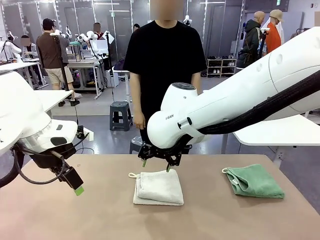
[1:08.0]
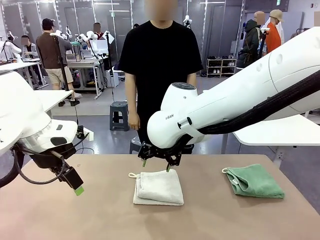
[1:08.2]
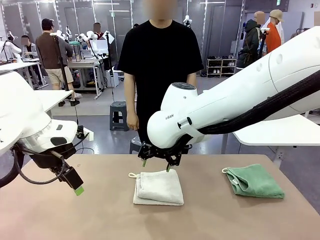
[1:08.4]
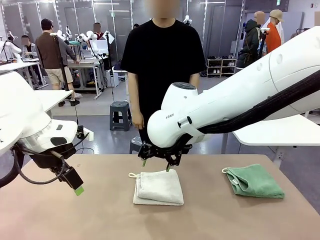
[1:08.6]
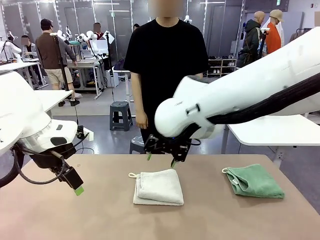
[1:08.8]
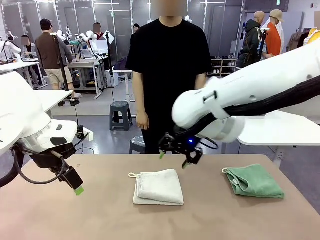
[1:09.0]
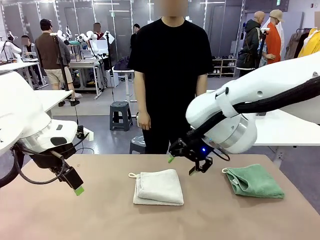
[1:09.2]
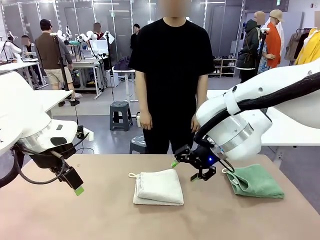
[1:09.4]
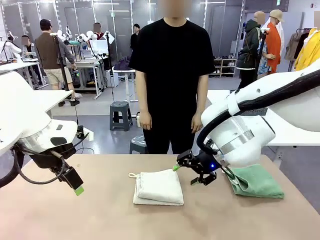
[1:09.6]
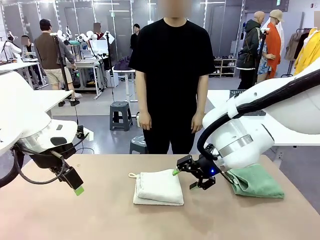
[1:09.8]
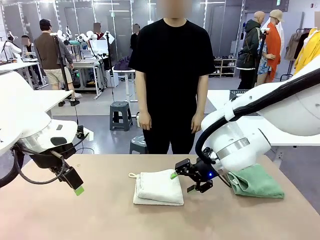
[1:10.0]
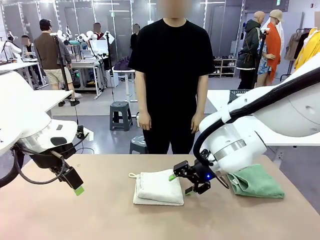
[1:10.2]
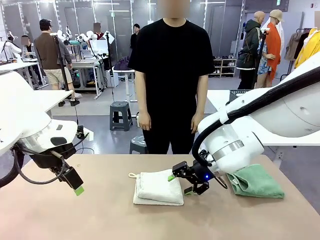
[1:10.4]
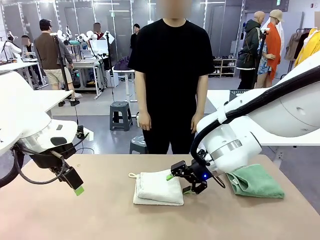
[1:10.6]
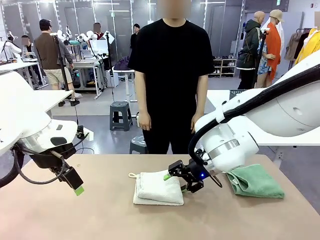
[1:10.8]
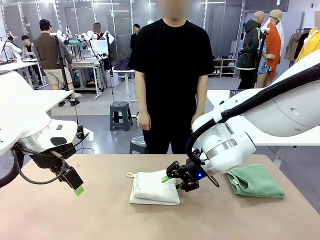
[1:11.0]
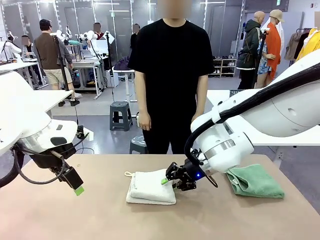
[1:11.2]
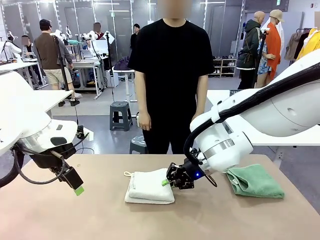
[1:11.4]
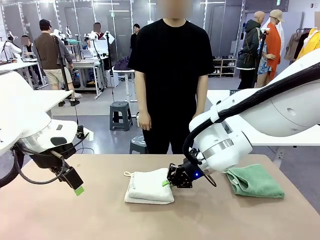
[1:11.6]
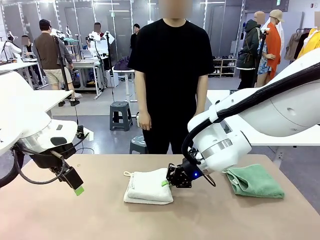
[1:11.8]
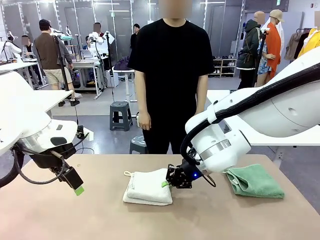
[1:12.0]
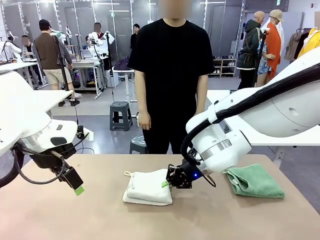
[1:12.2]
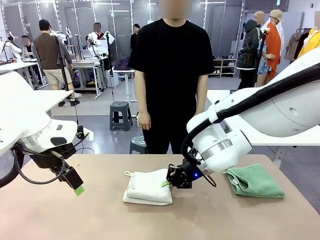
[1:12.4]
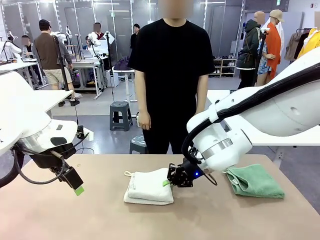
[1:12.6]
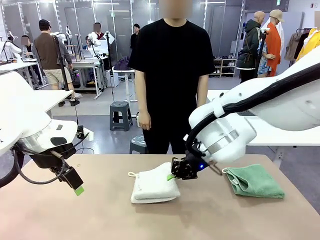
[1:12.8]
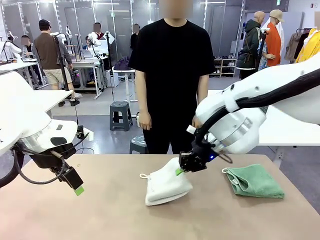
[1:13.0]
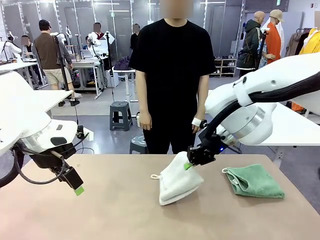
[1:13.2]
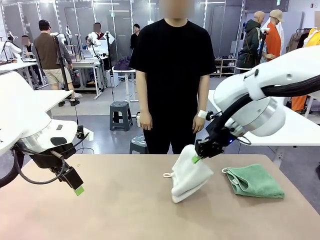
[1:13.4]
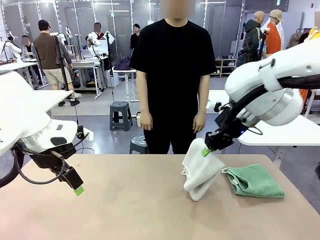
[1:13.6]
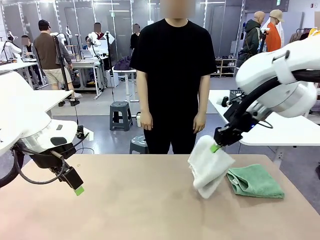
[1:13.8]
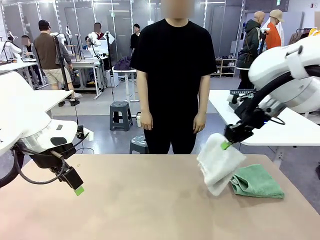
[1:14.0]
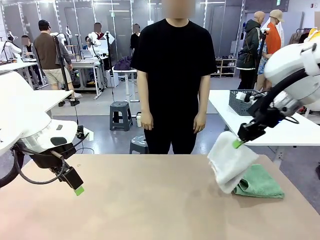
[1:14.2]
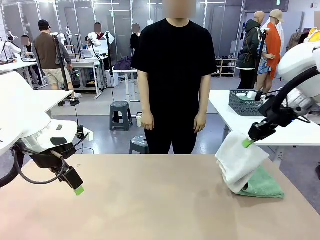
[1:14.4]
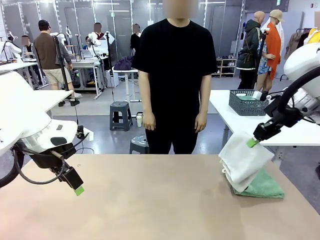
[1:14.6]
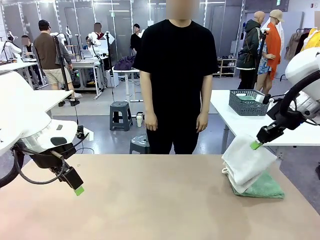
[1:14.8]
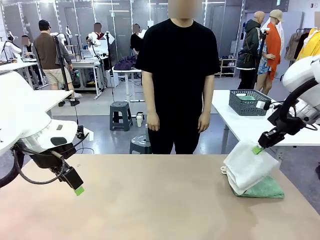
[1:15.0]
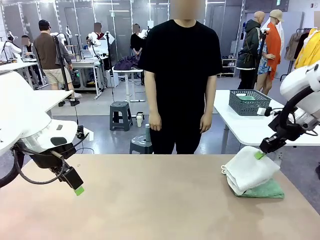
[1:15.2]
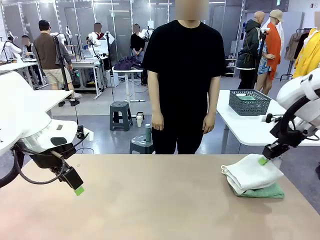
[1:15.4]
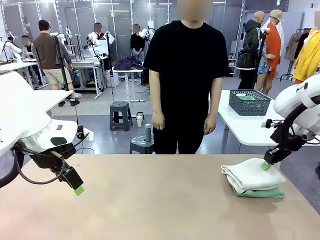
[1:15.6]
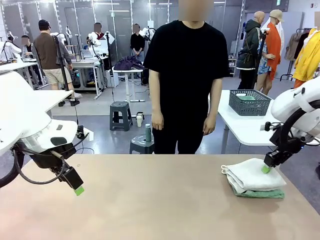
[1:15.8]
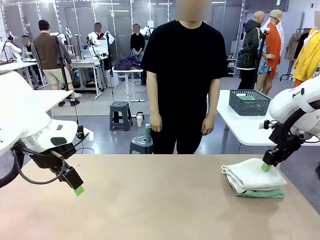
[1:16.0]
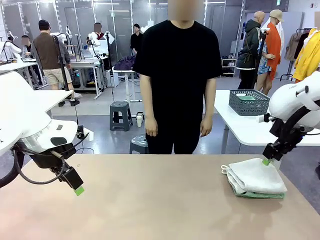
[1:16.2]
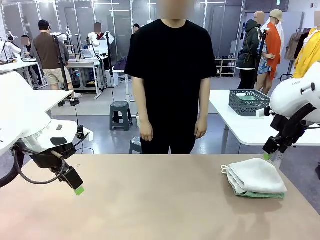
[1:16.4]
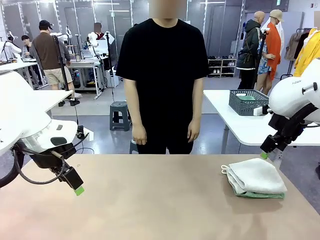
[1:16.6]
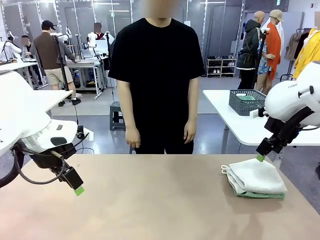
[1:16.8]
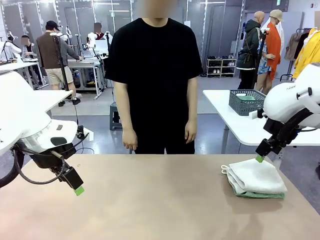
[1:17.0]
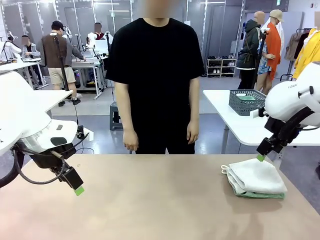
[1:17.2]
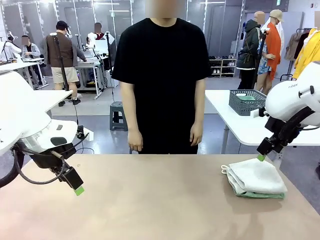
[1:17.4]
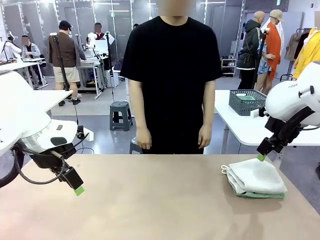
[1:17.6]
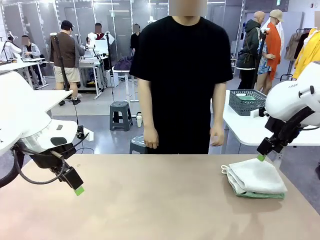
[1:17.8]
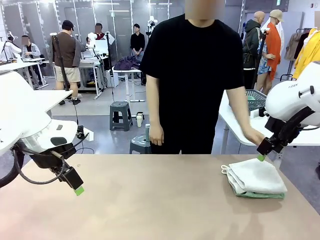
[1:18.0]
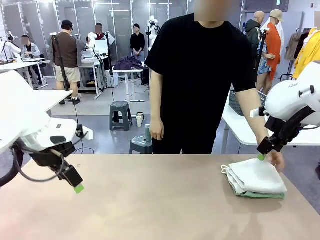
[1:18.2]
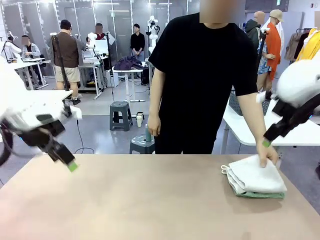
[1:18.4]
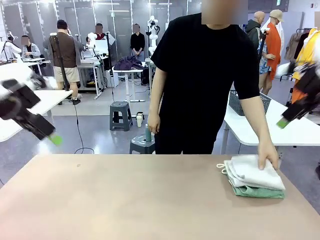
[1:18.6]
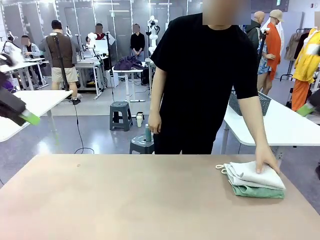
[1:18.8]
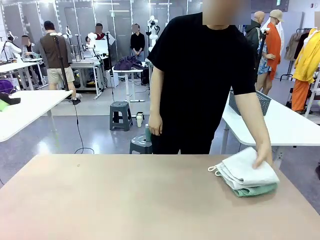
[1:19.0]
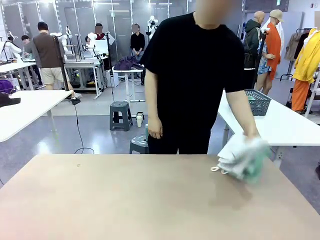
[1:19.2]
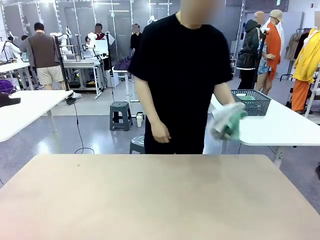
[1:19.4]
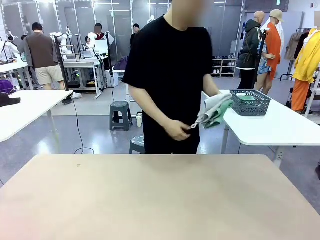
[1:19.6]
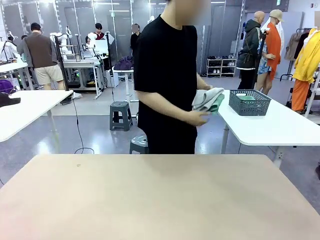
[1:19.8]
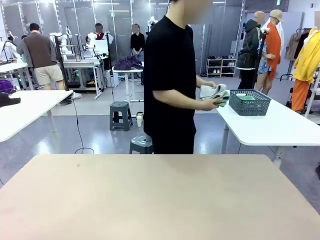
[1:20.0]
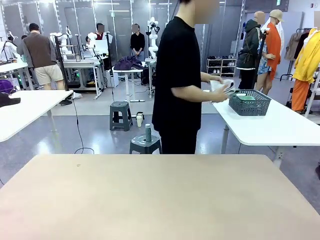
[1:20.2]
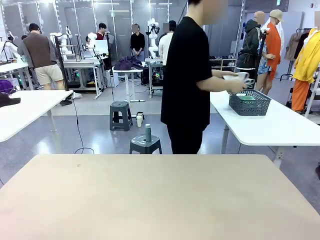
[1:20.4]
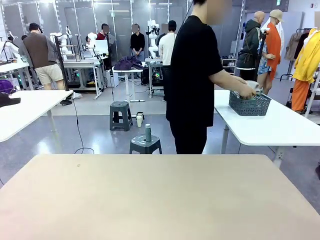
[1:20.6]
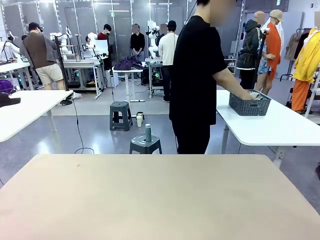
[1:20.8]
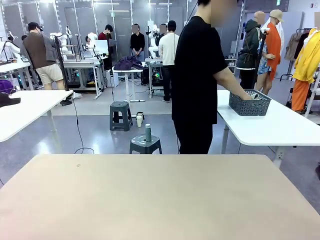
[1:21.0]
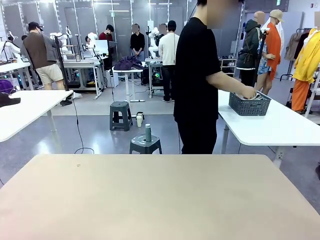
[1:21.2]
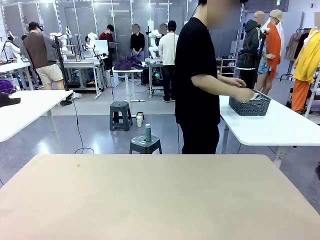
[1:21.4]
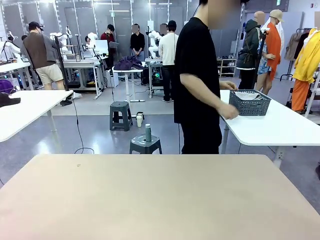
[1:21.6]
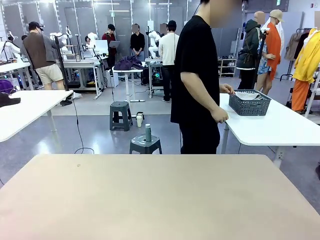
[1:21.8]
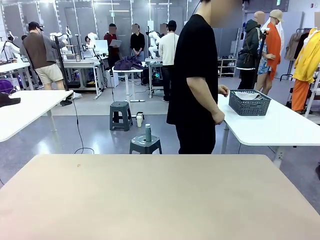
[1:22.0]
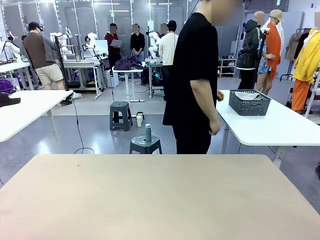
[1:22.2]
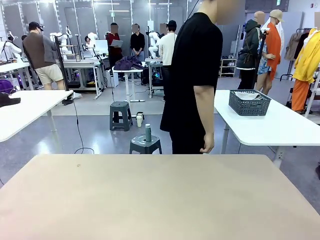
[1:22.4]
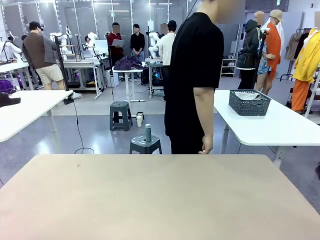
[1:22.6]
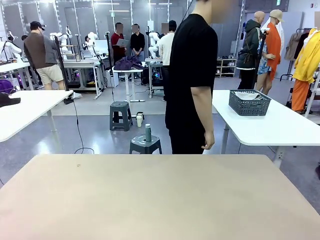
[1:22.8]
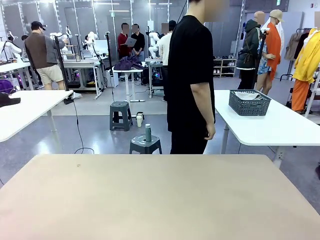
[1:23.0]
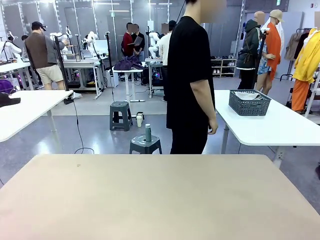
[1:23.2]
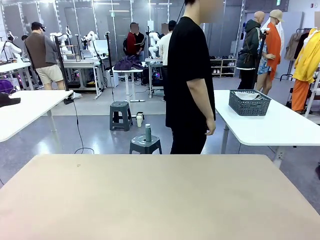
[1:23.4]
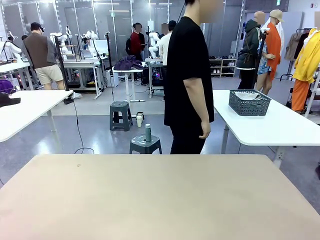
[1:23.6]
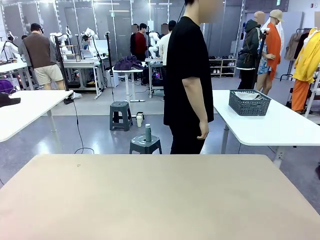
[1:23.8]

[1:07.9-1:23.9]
Task: Fold the towels and place them in the basket.
Robot: Stack the folded Towel with hook on the right side of the table.
Person: Pick up the stack of towels from the robot table and place it into the basket.
